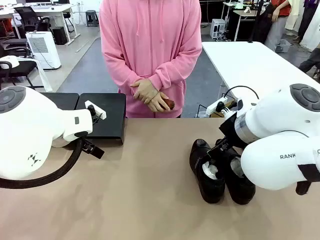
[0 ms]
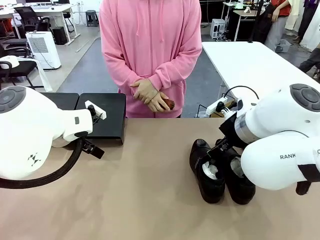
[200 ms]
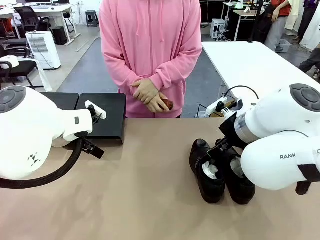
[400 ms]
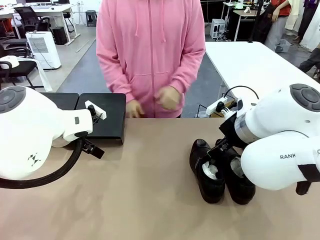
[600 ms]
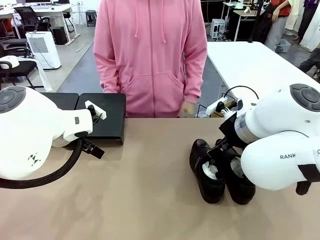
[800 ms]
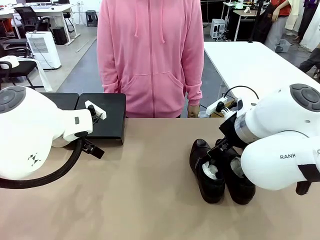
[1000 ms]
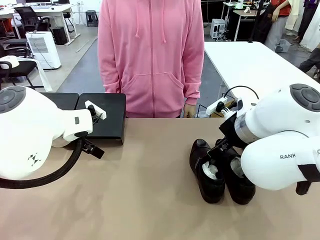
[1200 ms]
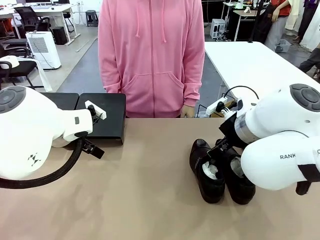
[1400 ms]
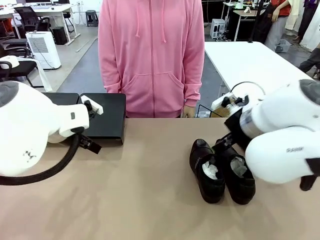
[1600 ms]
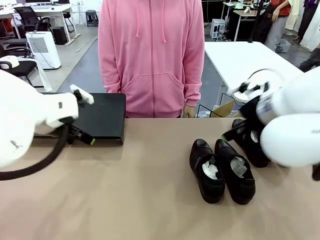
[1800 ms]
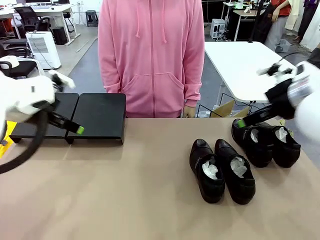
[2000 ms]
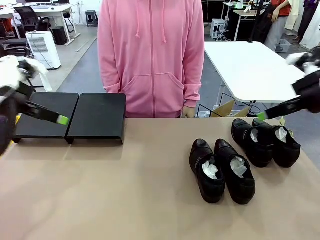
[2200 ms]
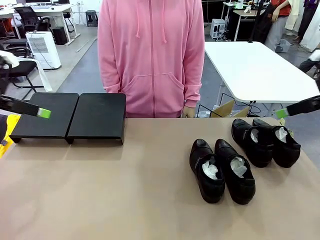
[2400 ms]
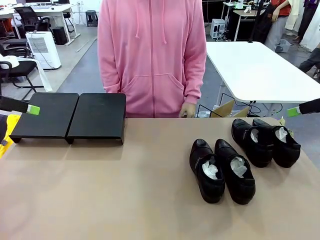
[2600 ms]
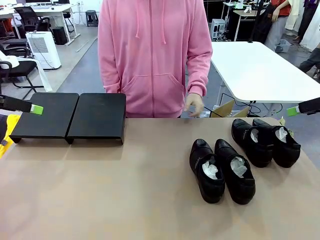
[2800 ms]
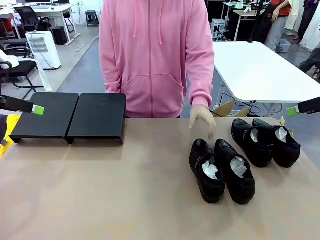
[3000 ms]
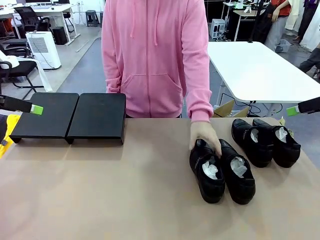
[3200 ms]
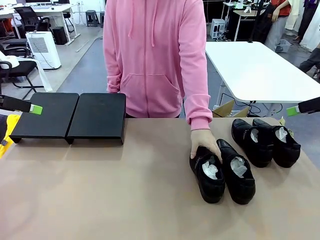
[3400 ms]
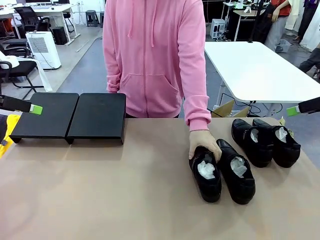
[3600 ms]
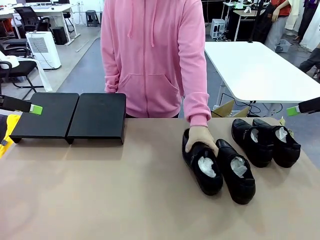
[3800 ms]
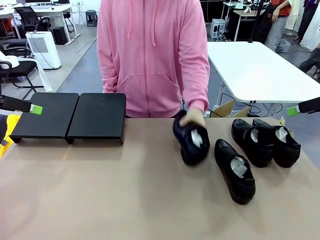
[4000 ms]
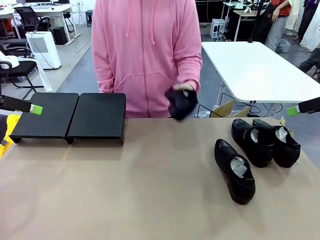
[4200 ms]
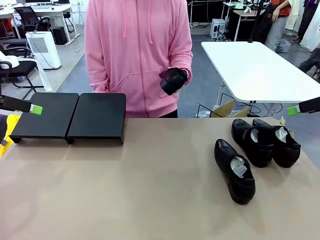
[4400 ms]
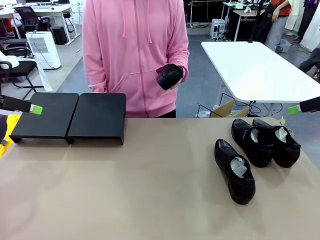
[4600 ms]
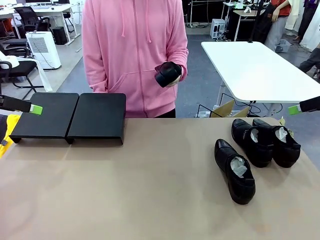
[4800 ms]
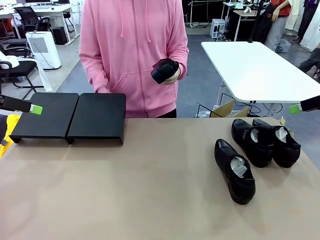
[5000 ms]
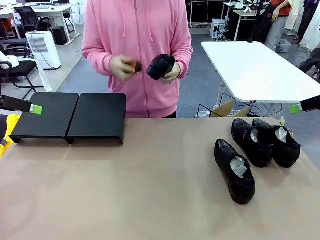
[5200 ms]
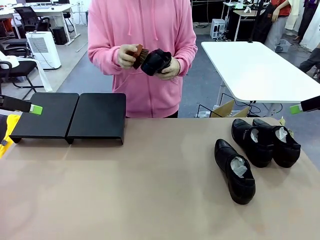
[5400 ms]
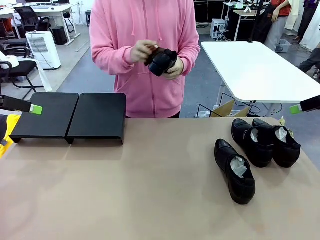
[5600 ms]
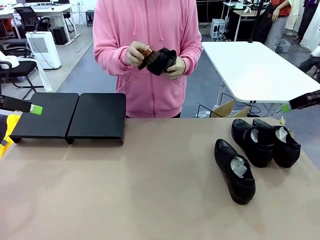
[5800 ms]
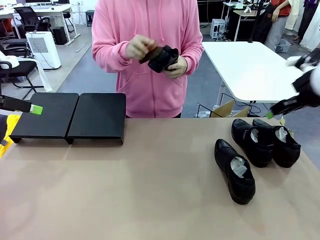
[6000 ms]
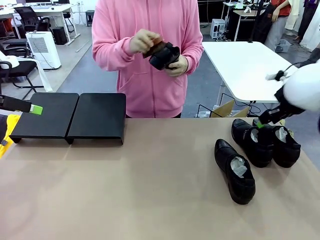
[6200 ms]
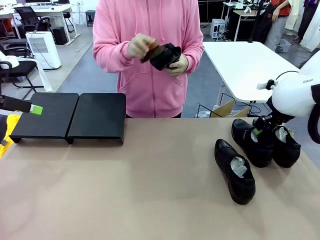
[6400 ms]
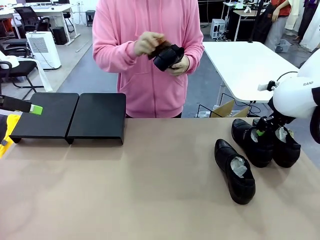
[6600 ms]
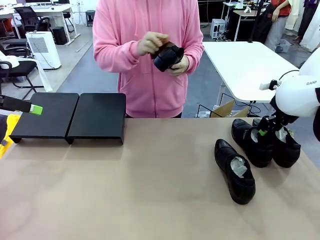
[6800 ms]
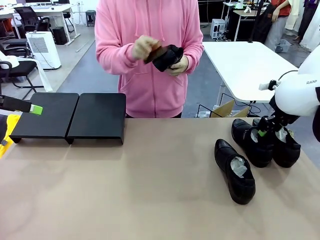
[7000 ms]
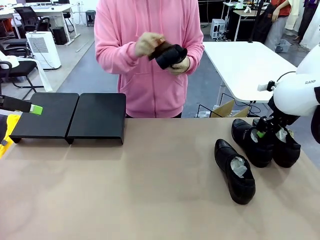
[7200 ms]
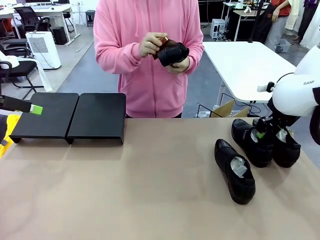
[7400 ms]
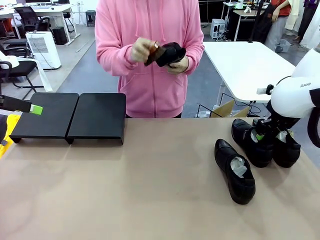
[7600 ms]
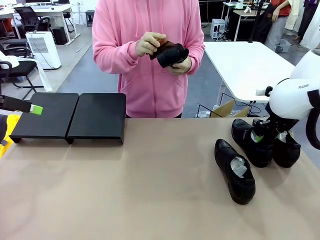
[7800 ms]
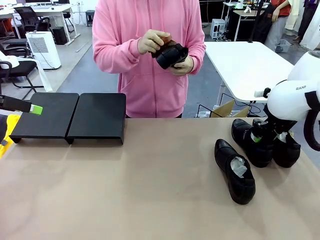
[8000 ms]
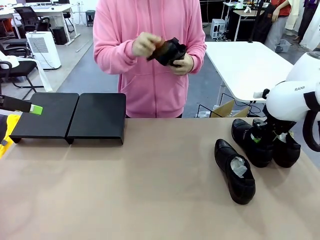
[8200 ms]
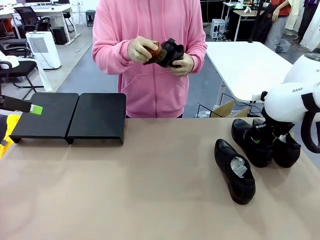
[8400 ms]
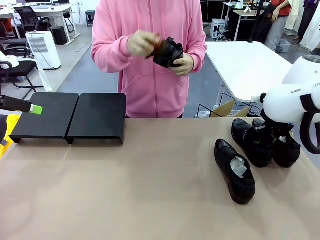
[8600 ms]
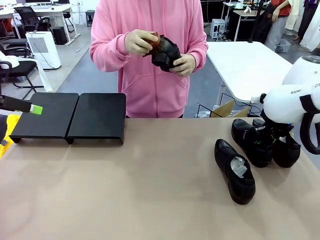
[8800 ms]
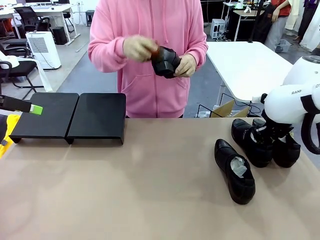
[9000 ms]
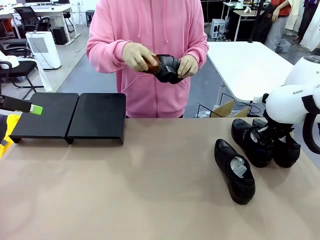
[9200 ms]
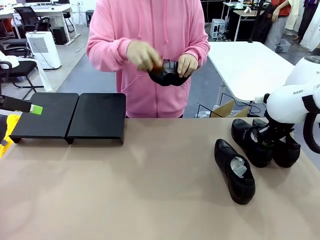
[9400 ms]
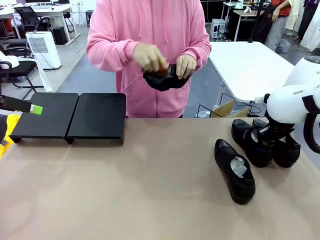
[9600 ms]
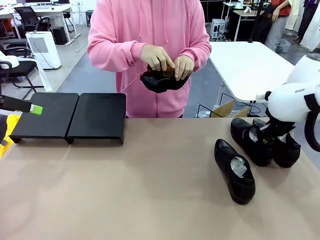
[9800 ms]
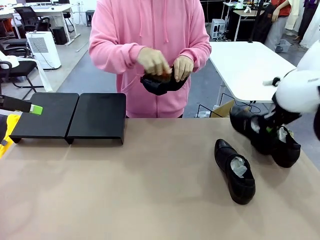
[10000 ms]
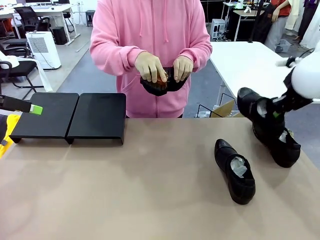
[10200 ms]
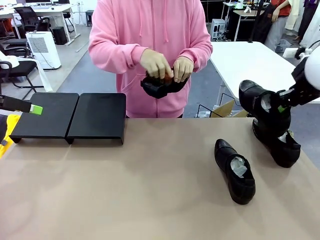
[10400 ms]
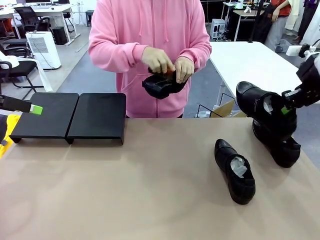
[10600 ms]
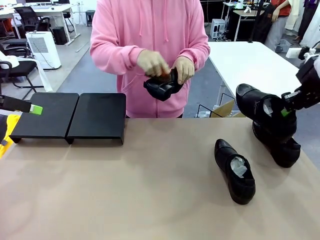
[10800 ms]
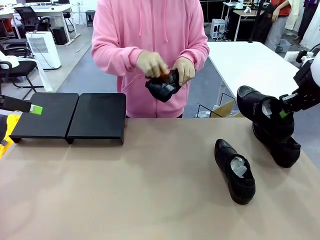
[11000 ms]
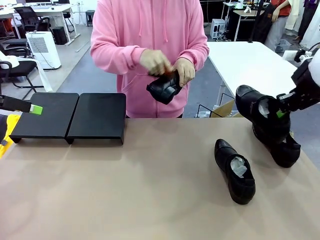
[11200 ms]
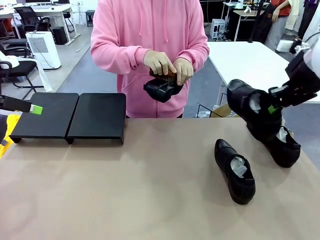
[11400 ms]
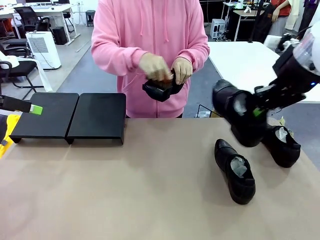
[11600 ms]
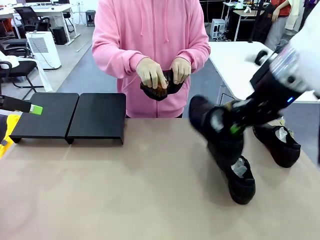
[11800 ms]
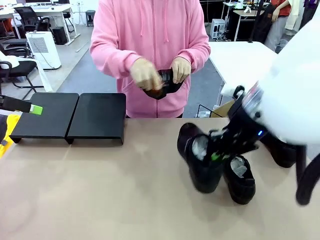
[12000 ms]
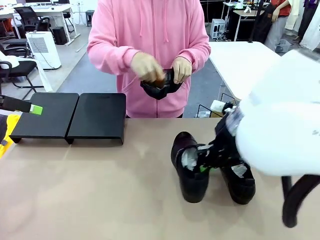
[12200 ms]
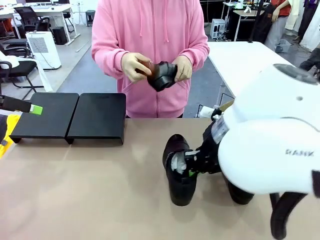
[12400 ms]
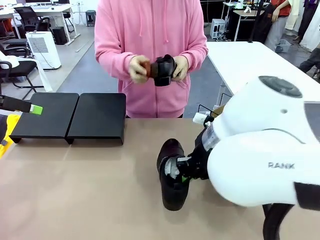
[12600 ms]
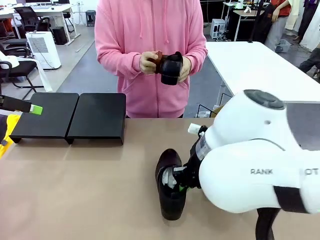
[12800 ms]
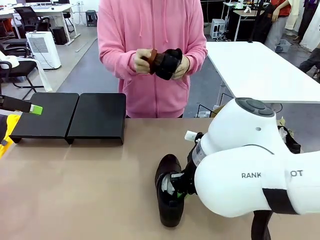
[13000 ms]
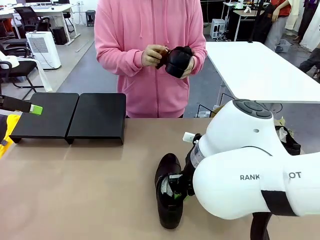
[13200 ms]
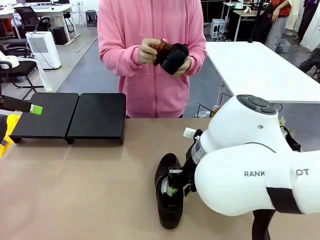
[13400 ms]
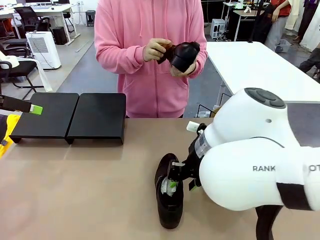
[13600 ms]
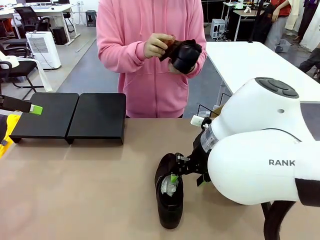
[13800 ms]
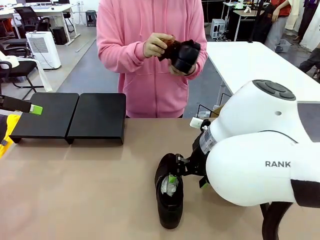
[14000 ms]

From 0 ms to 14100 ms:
Task: Organize the shoes by placing them on the stand.
Robot: Pick up one Shoe and place it in the middle of the table.
Person: Pick one Shoe on Robot's table. Clean the Shoe with the Shoe Brush.

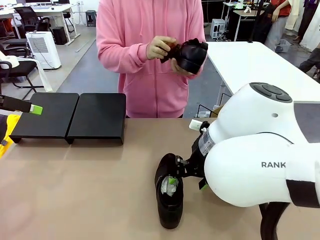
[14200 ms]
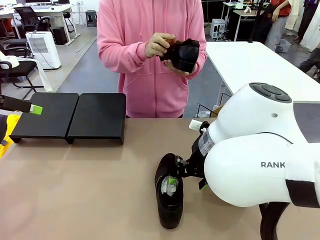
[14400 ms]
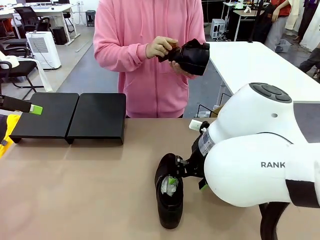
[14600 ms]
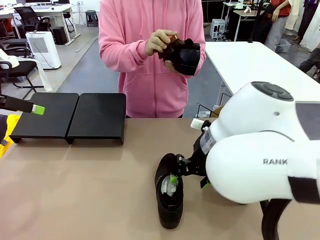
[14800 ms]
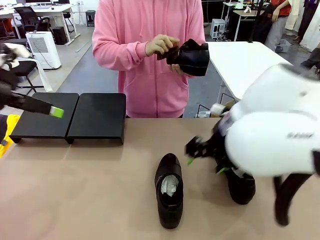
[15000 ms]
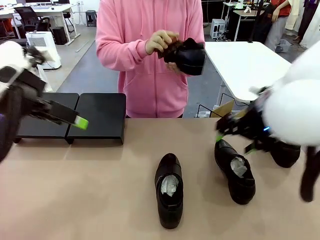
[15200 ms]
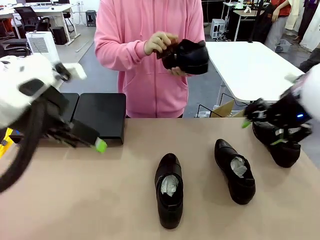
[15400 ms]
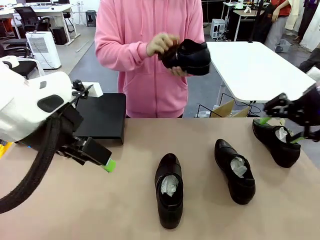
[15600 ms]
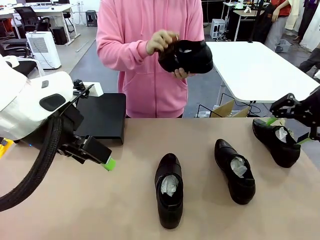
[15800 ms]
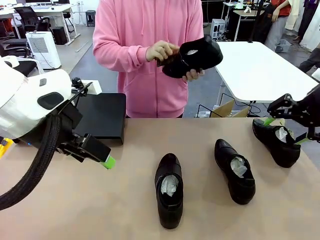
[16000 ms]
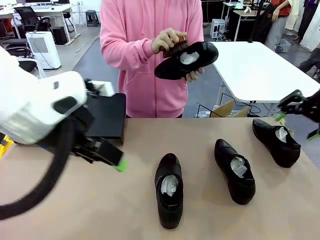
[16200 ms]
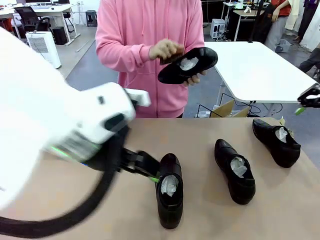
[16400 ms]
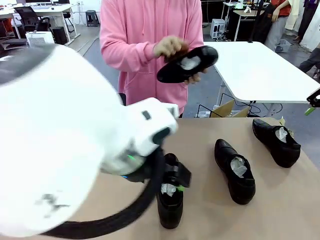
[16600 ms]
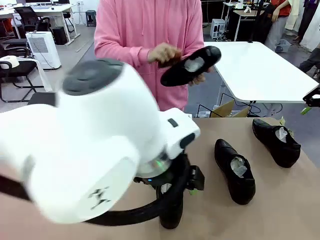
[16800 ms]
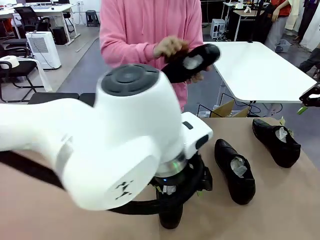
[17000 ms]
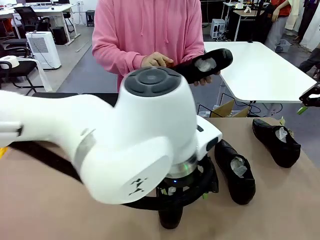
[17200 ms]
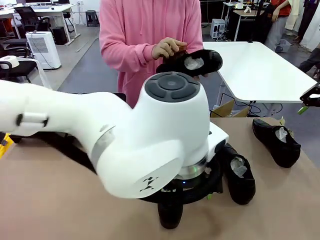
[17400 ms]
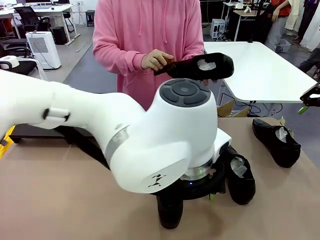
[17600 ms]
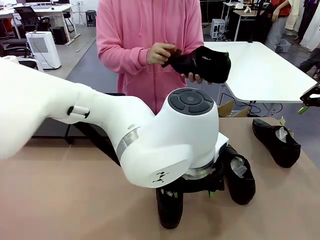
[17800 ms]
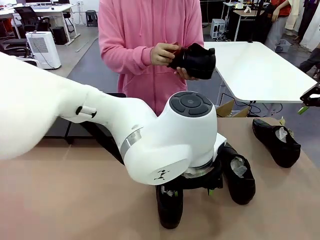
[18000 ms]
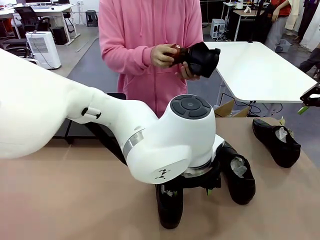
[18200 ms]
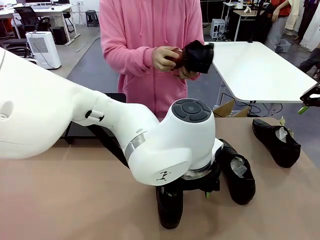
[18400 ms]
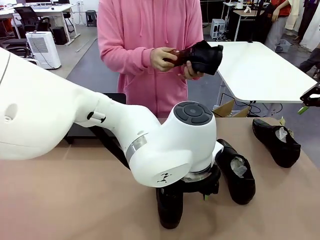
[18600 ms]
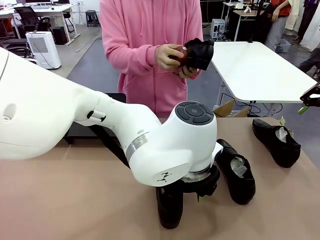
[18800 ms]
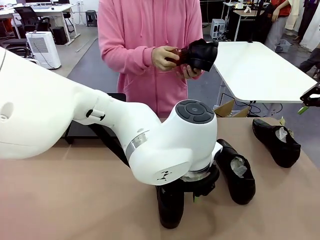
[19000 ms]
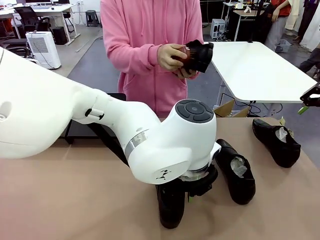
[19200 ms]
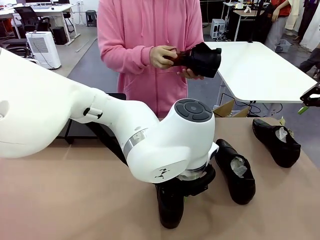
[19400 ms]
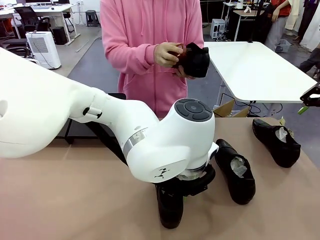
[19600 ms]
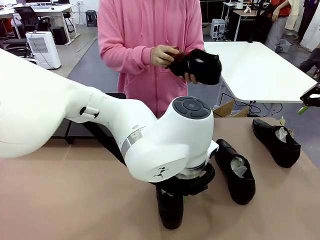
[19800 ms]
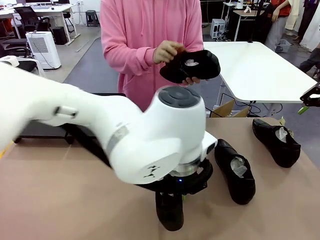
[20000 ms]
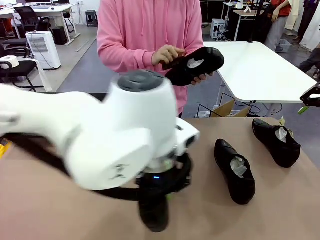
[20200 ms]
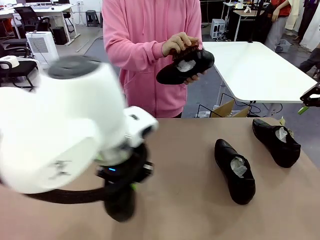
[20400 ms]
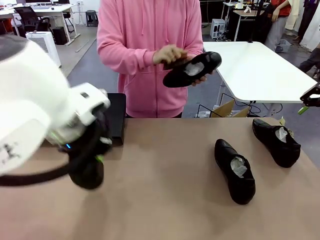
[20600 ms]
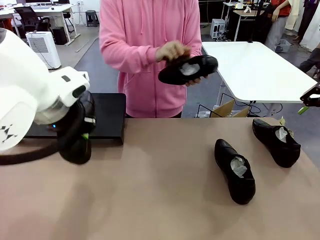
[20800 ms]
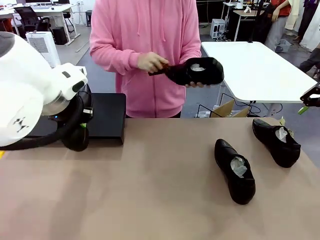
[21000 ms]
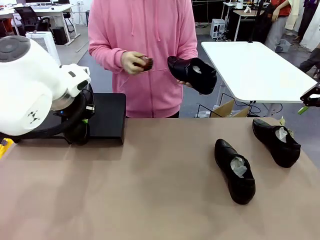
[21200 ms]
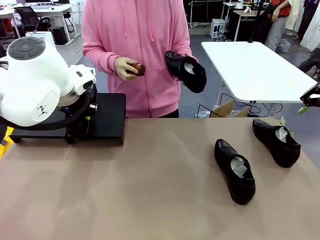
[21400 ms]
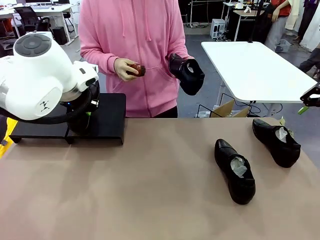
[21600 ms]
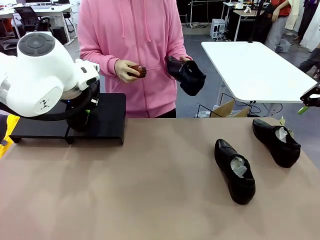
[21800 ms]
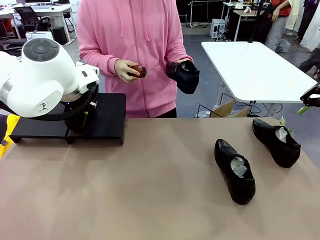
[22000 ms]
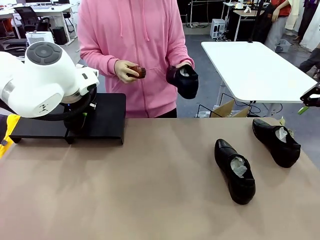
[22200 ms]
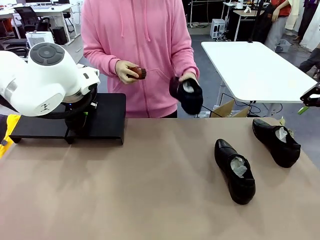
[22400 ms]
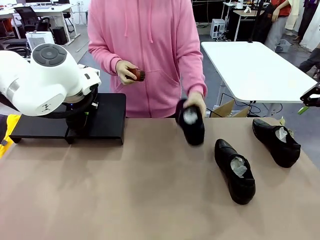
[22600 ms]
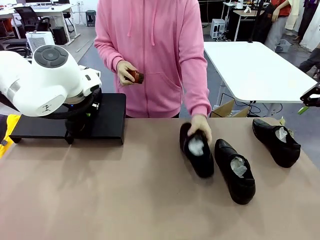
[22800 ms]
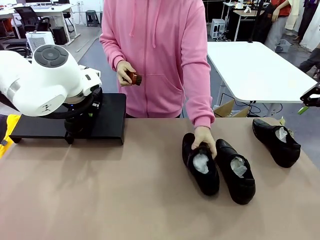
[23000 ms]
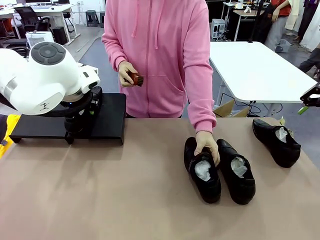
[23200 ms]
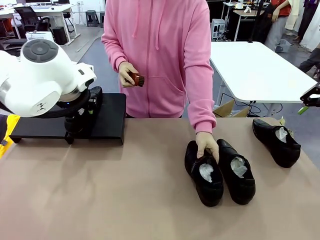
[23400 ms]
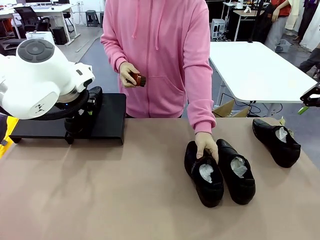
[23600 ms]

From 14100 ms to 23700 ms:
Robot: Place the Shoe from the middle of the table onto the Shoes Stand.
Person: Place the Shoe on left side of the Robot's table.
